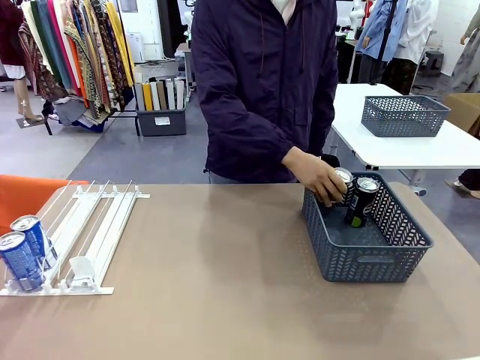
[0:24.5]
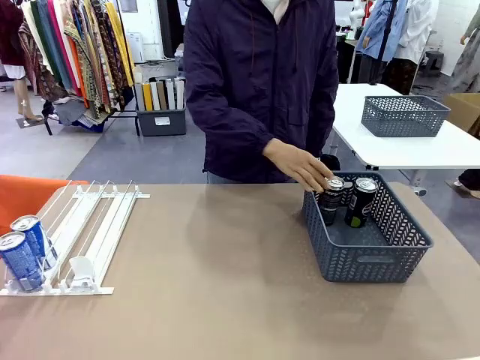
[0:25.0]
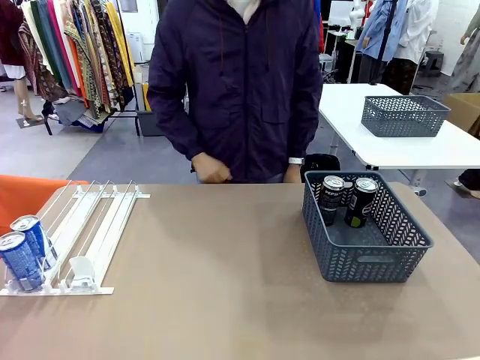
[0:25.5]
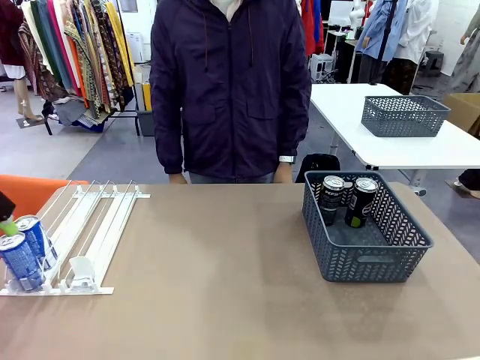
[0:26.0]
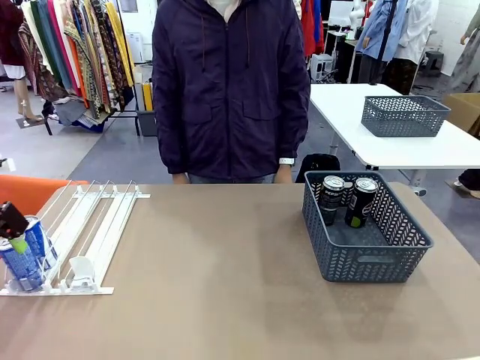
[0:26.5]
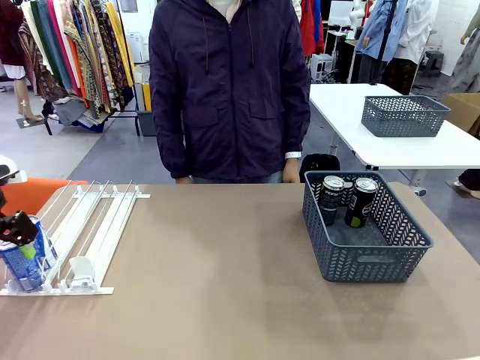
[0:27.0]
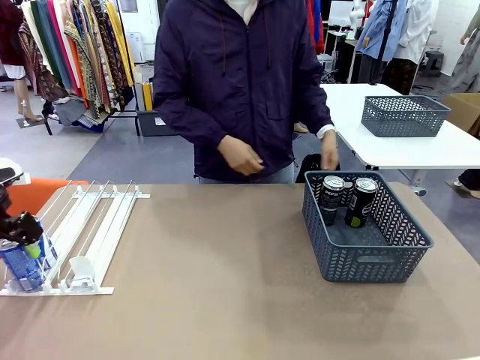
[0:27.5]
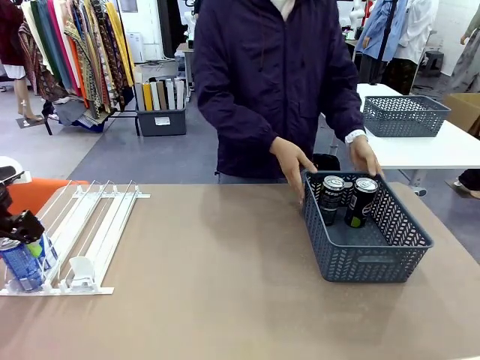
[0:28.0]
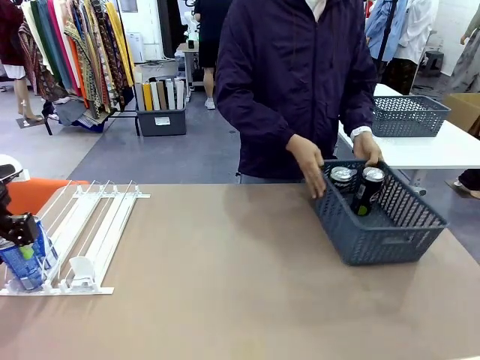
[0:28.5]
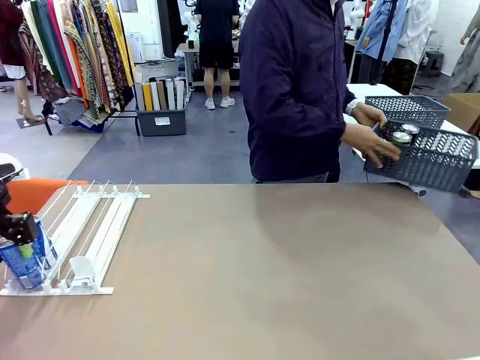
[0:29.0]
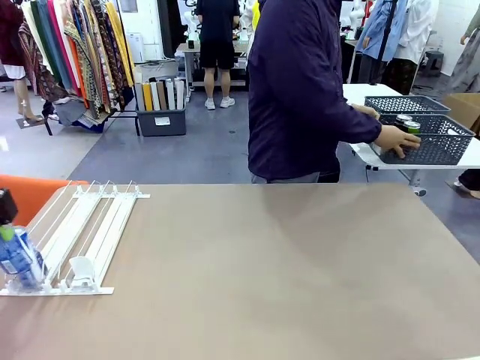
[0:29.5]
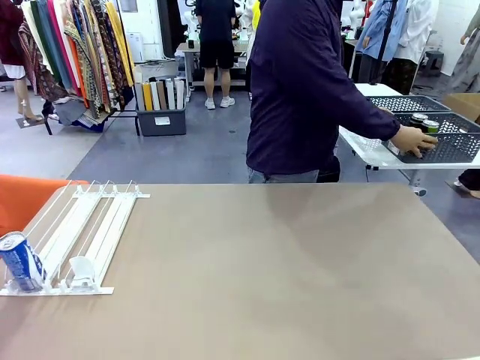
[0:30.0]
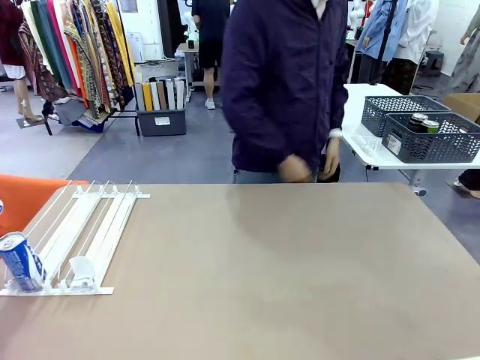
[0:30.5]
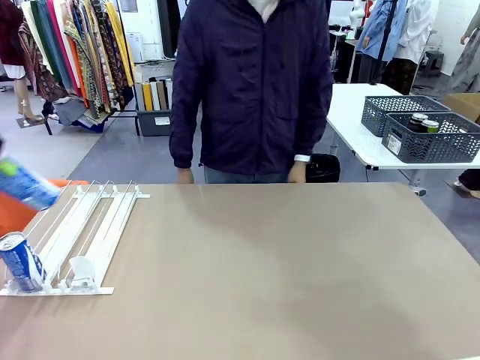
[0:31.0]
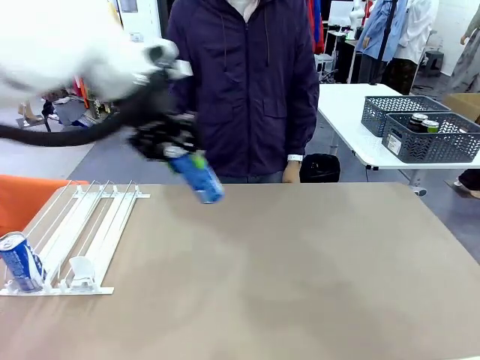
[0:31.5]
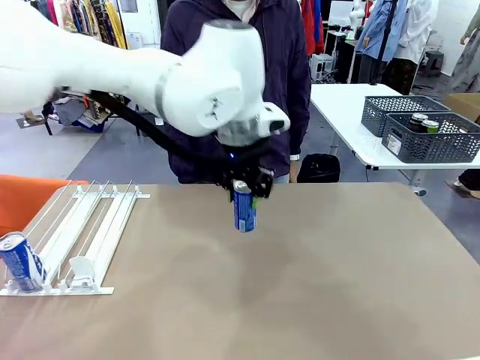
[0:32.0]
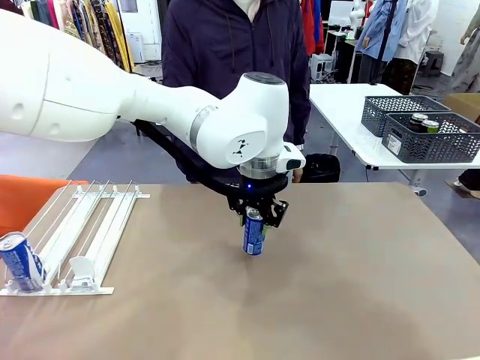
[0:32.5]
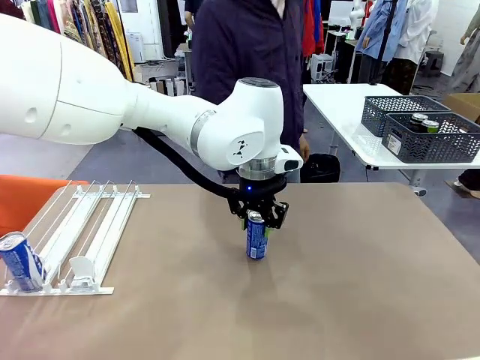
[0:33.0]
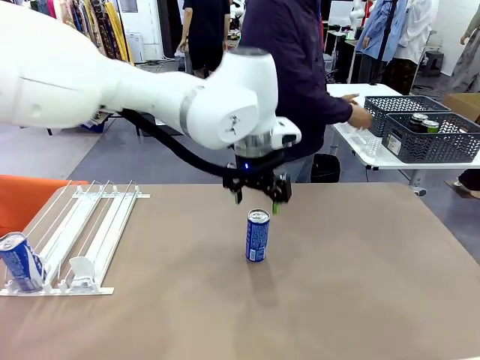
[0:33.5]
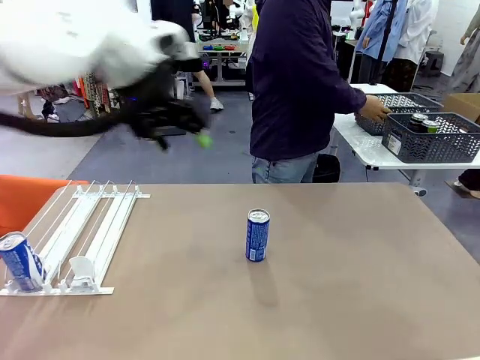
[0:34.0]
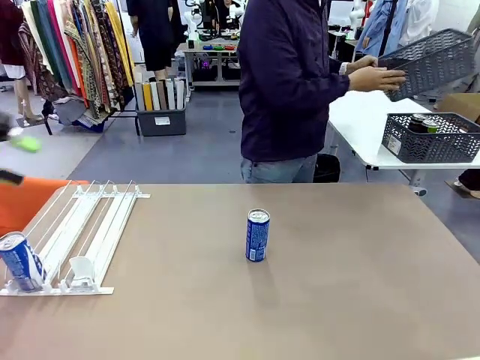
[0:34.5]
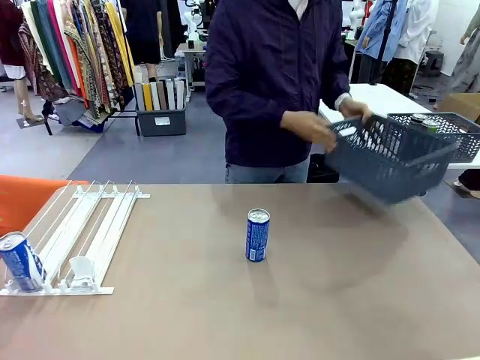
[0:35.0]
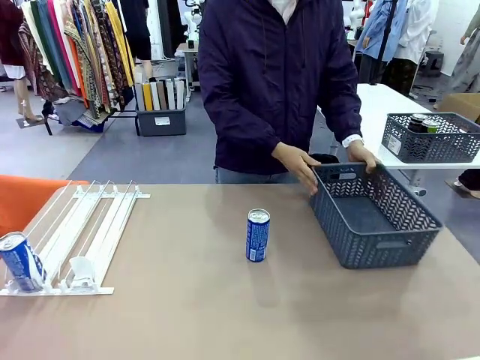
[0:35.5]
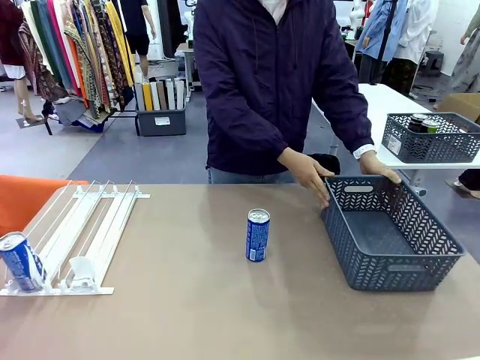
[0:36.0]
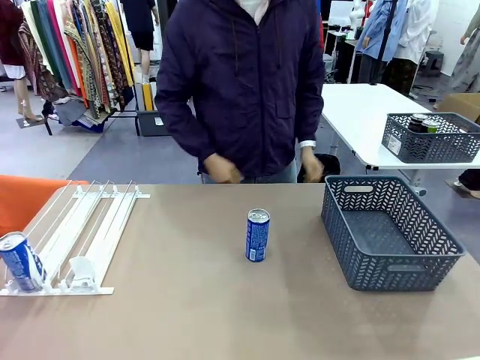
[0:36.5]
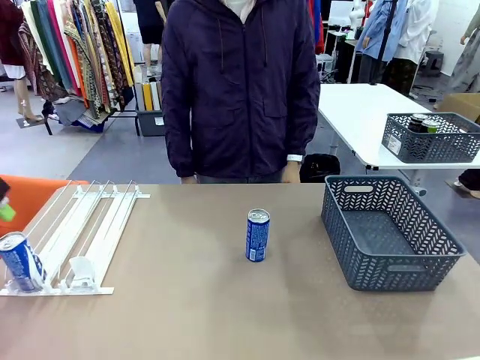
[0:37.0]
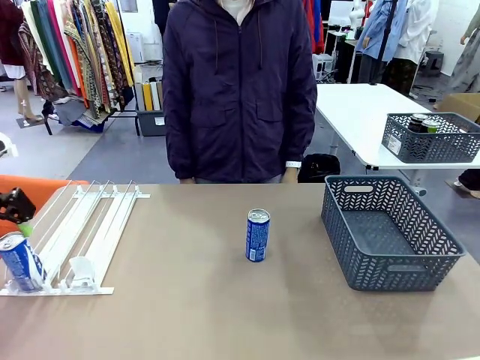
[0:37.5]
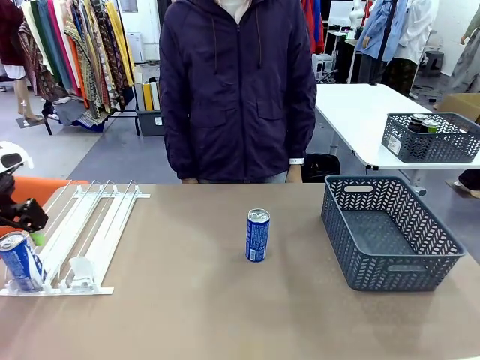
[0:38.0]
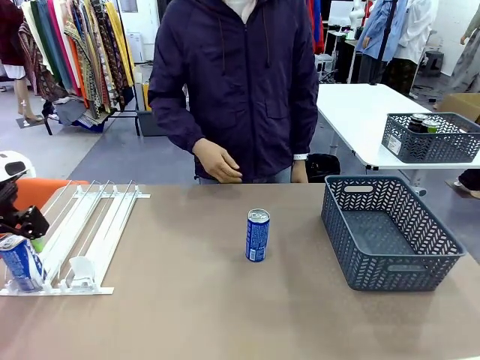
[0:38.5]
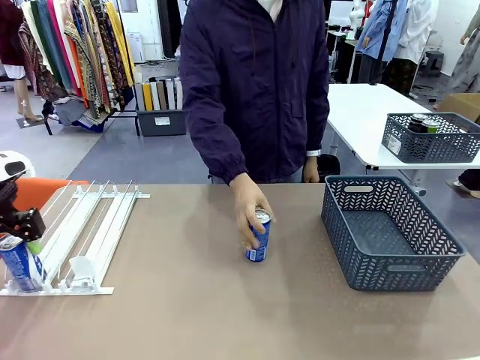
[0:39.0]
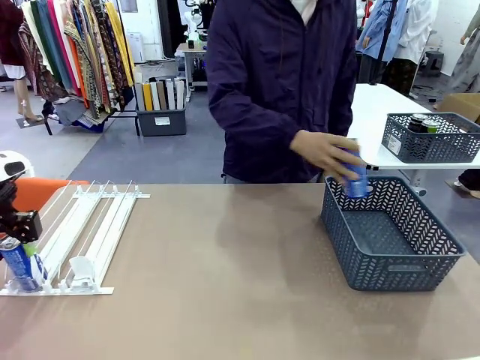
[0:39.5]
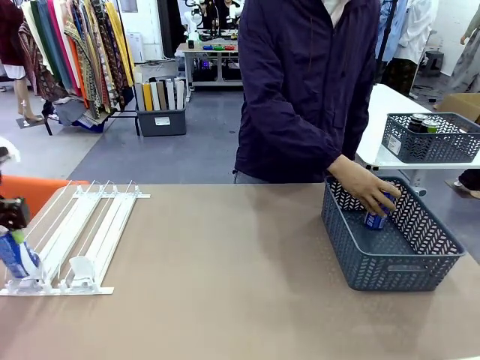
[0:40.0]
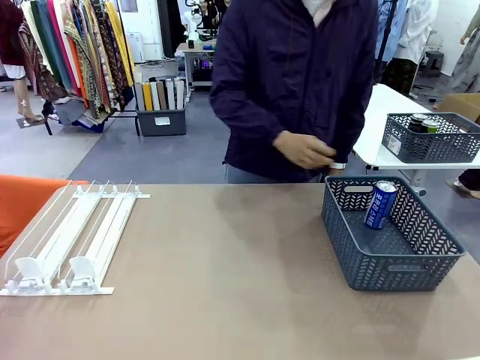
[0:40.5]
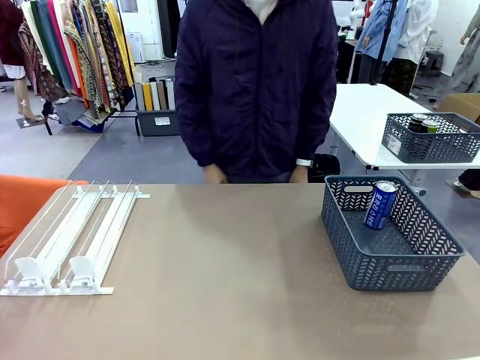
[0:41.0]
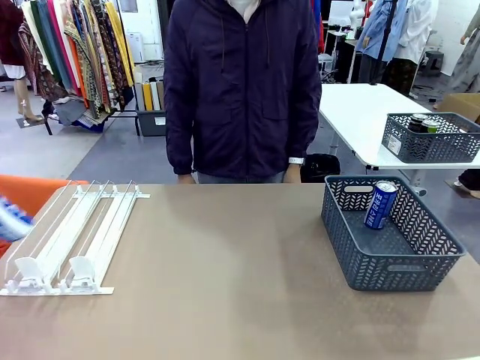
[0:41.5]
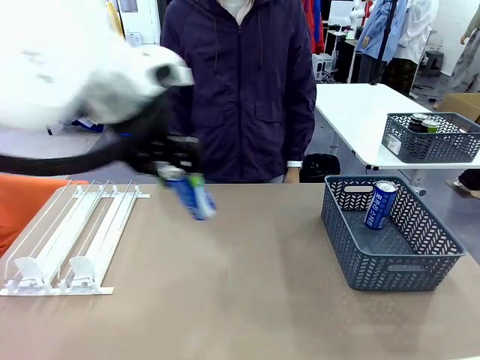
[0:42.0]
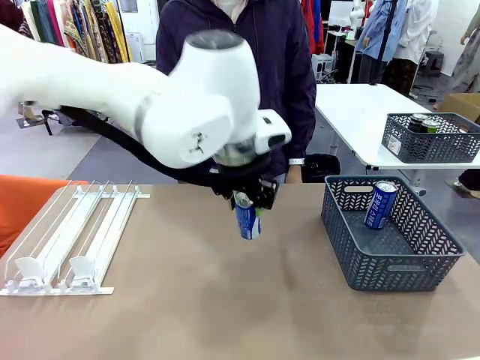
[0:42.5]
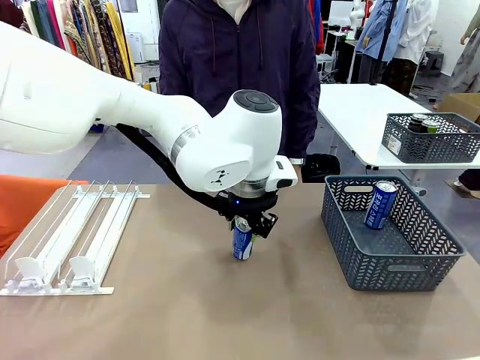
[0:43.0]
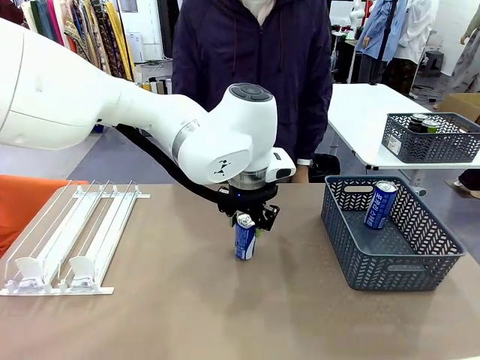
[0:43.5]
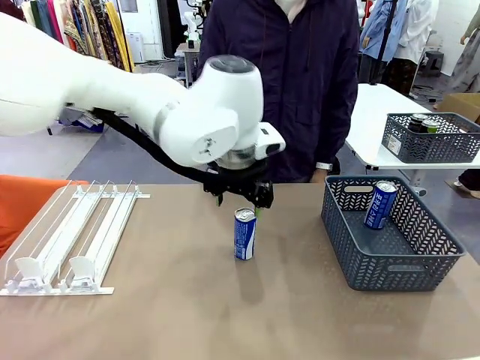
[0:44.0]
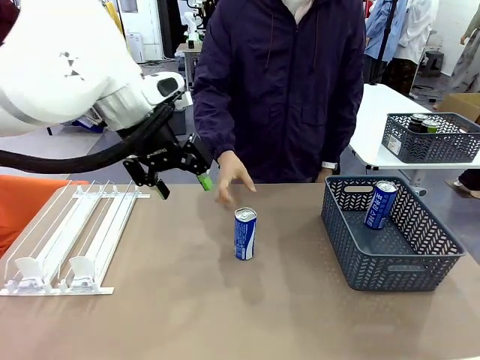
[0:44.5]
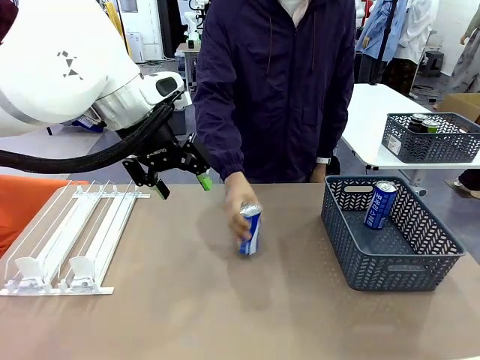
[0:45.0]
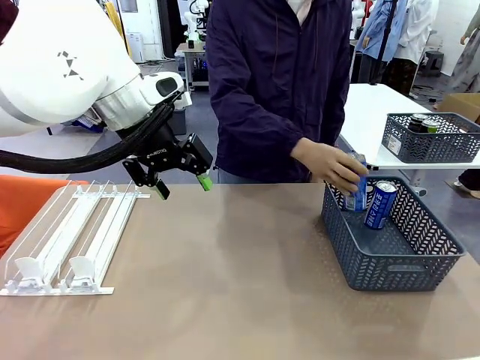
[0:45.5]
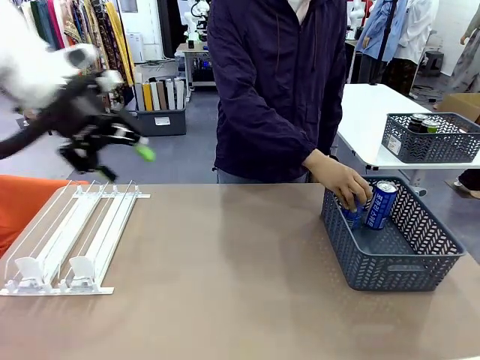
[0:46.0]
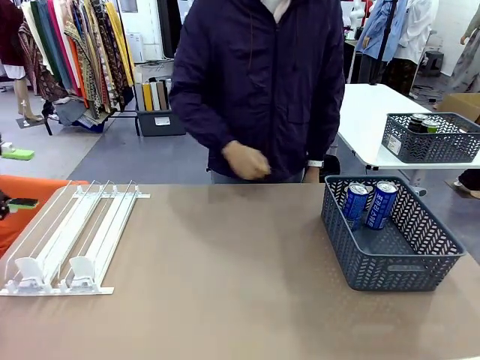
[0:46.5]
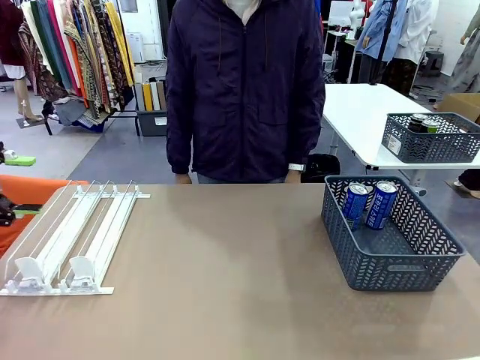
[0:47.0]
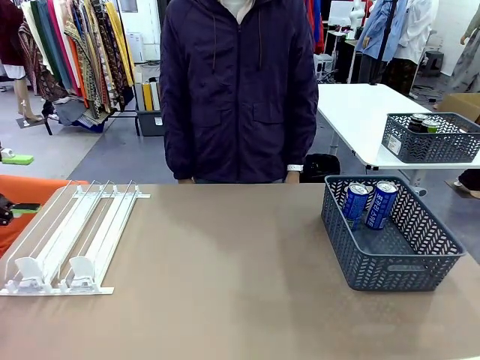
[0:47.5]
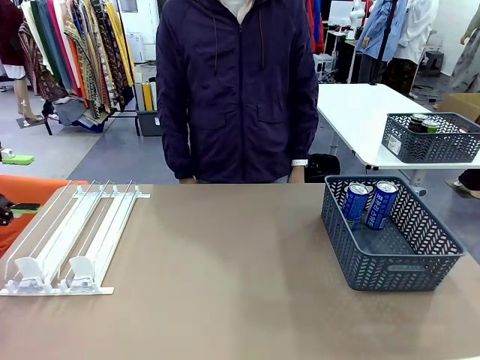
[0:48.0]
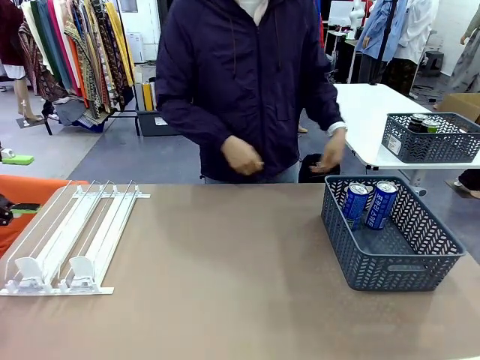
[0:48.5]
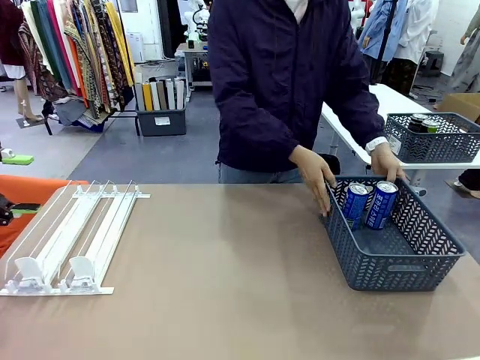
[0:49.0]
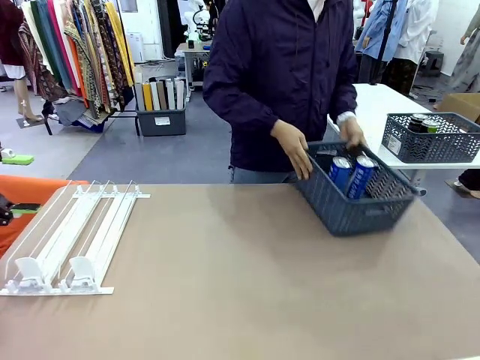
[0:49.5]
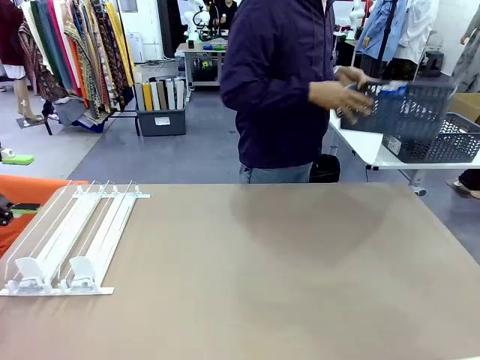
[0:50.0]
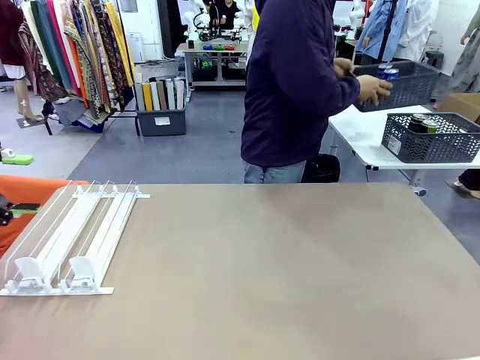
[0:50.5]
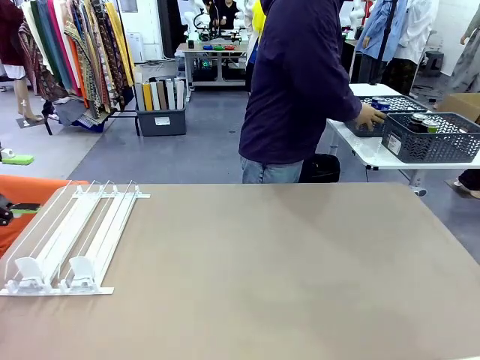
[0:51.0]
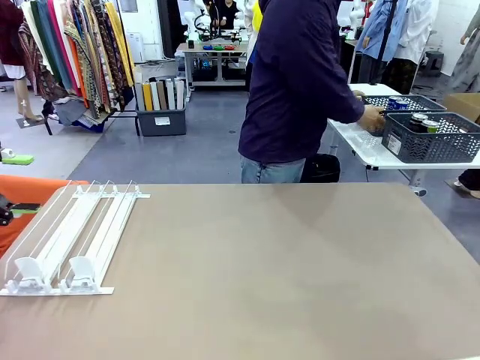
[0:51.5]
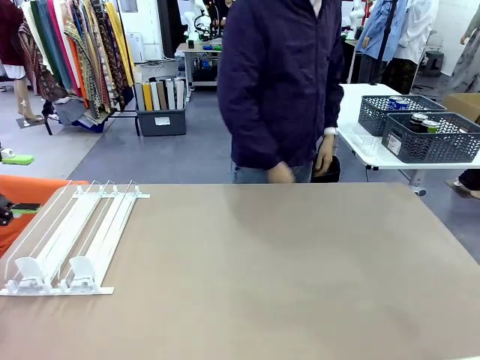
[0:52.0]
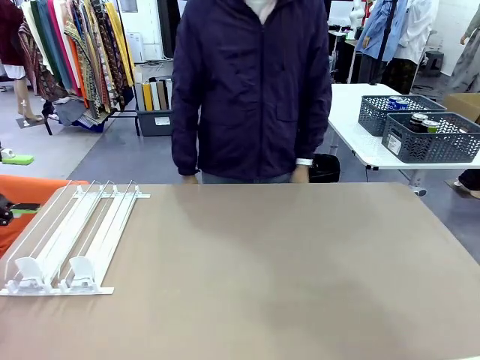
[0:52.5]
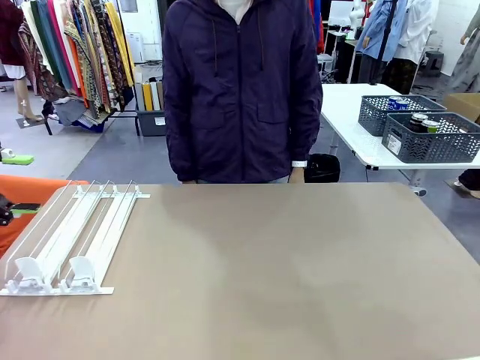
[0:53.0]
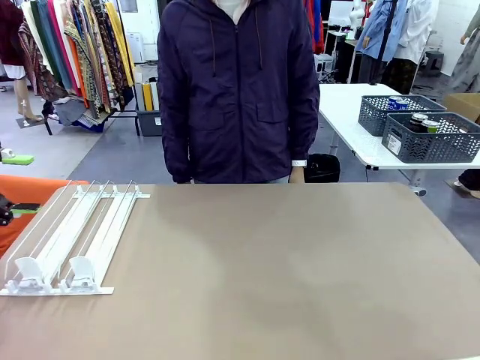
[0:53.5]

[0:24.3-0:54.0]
Task: Retrieve and store the cans from the dispenser.
Robot: Pick up one can from the Automatic Can Dispenser and place it in the middle of the table.
Person: Pick up the basket and place it in the middle of the human table. Pick up the empty basket and place it on the left side of the robot table. Pick up one sports drink can from the middle of the robot table and place it in the basket. Pick up the basket and place it in the middle of the human table.
